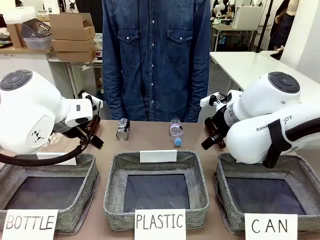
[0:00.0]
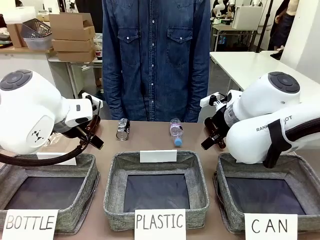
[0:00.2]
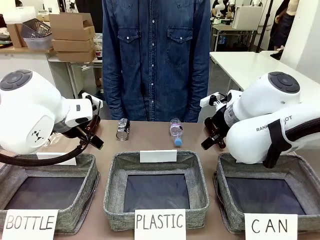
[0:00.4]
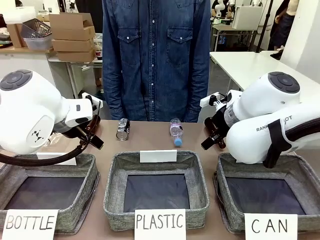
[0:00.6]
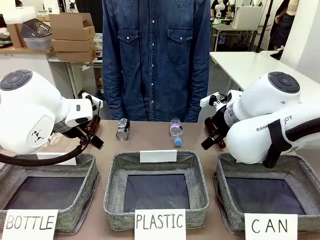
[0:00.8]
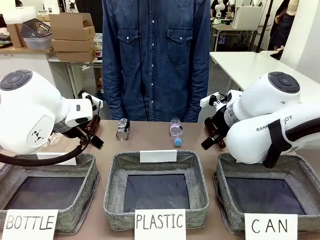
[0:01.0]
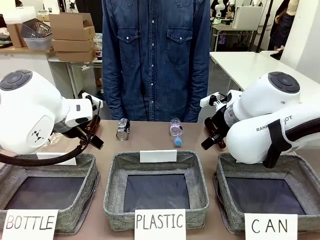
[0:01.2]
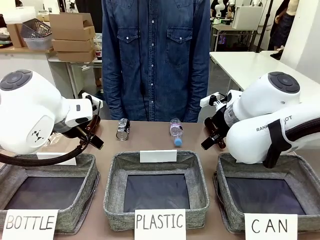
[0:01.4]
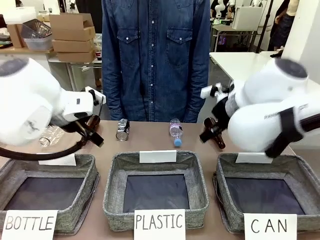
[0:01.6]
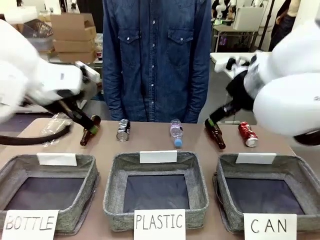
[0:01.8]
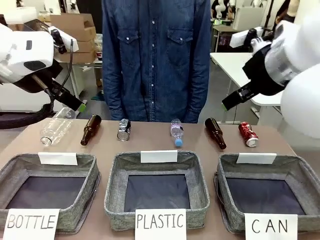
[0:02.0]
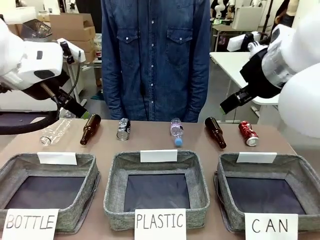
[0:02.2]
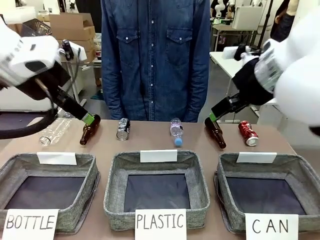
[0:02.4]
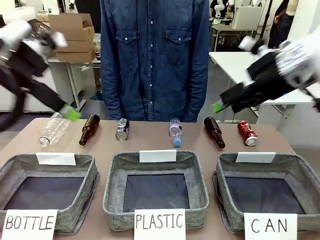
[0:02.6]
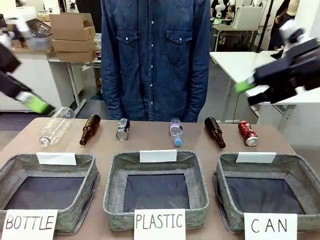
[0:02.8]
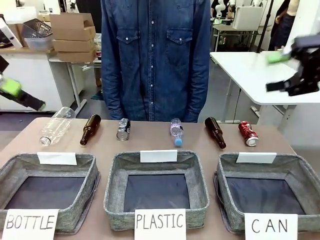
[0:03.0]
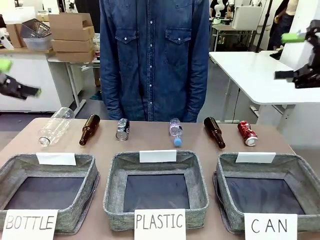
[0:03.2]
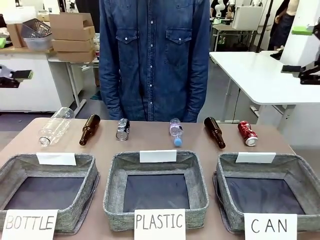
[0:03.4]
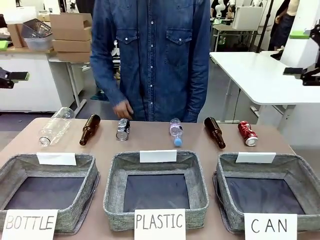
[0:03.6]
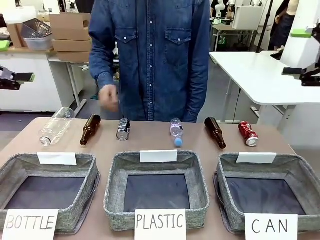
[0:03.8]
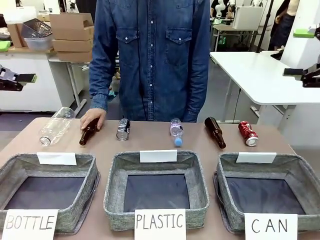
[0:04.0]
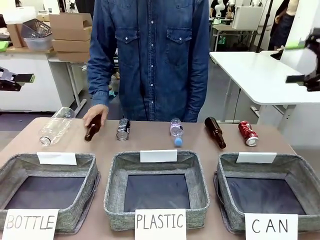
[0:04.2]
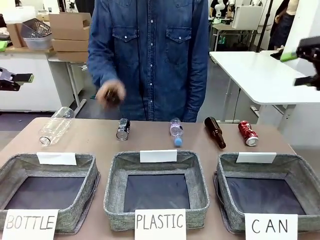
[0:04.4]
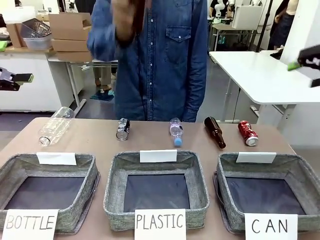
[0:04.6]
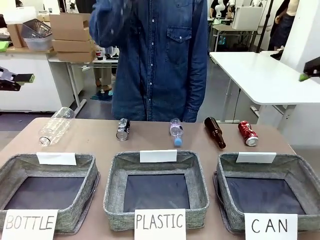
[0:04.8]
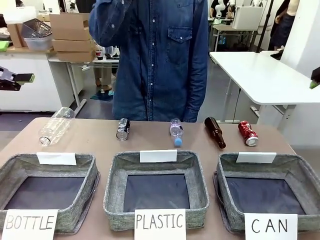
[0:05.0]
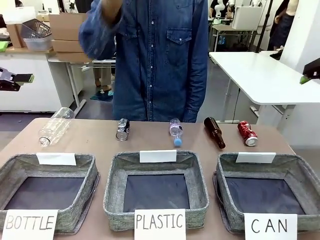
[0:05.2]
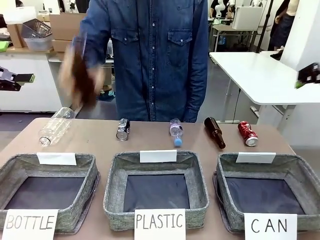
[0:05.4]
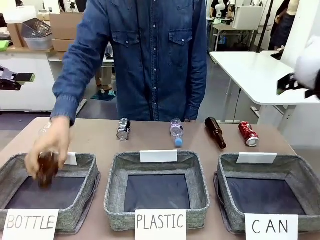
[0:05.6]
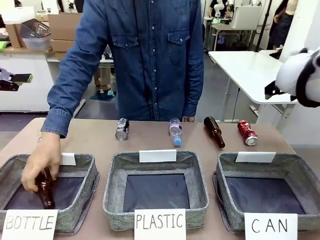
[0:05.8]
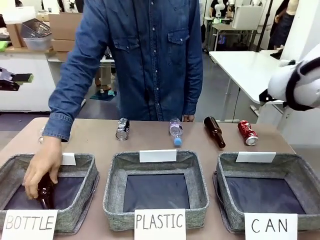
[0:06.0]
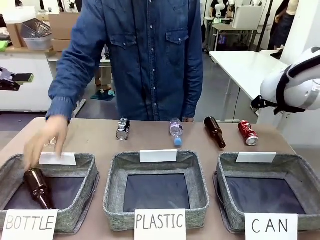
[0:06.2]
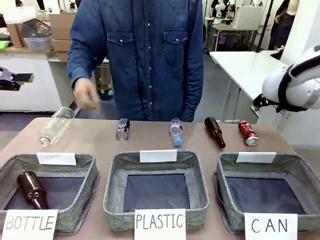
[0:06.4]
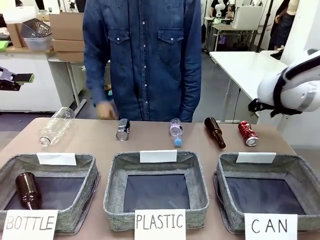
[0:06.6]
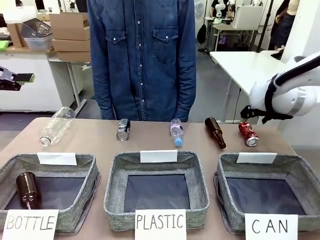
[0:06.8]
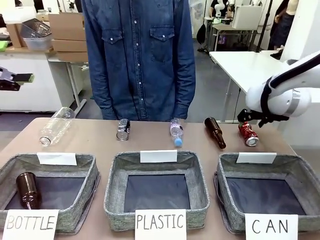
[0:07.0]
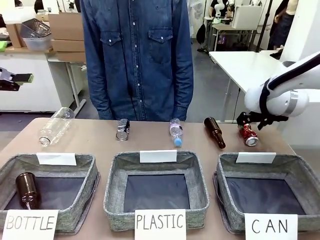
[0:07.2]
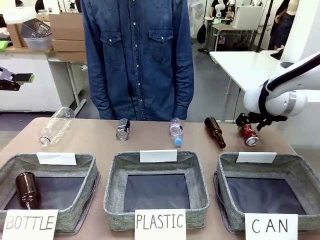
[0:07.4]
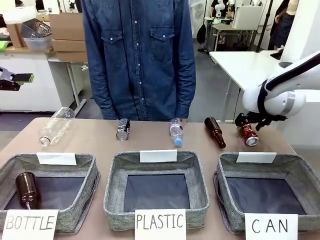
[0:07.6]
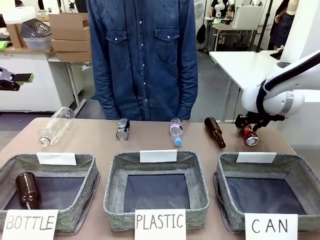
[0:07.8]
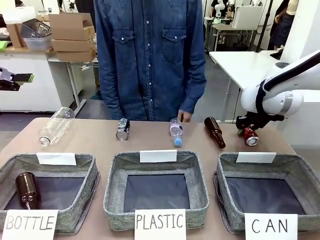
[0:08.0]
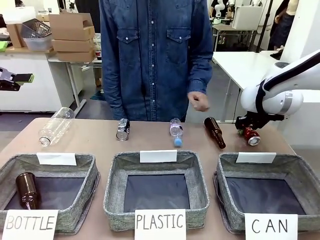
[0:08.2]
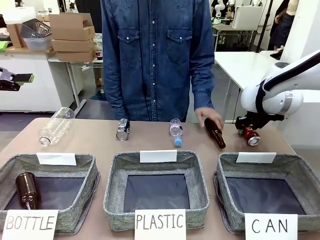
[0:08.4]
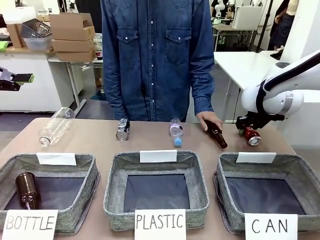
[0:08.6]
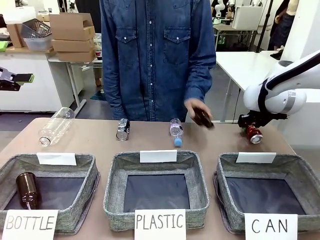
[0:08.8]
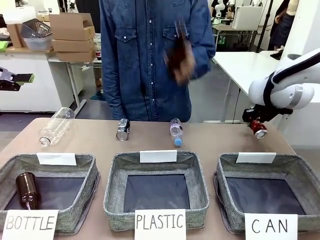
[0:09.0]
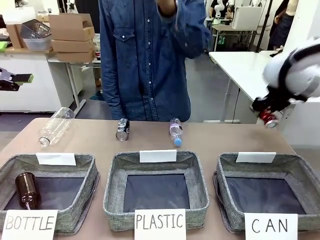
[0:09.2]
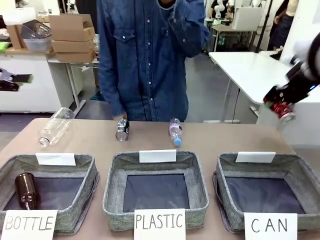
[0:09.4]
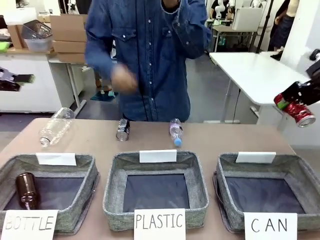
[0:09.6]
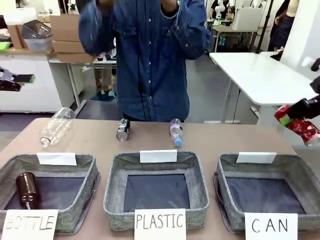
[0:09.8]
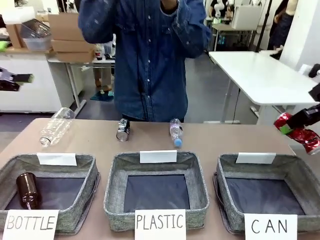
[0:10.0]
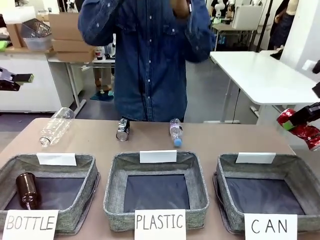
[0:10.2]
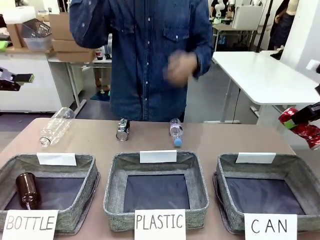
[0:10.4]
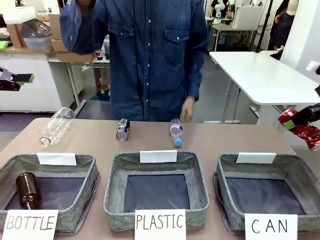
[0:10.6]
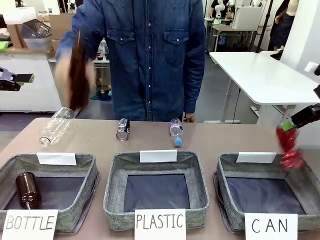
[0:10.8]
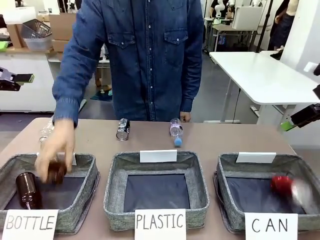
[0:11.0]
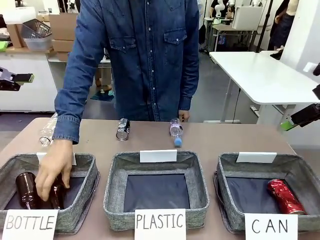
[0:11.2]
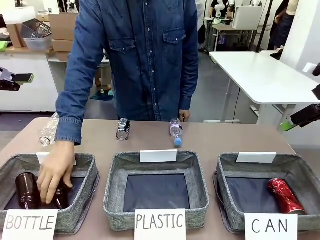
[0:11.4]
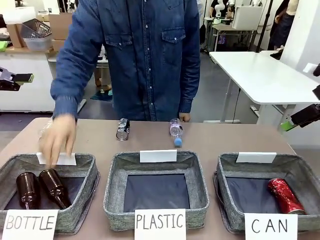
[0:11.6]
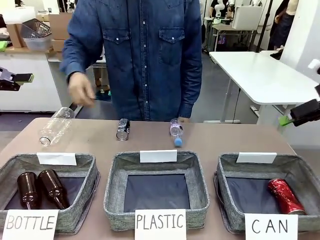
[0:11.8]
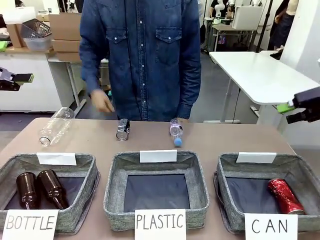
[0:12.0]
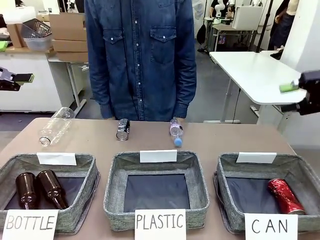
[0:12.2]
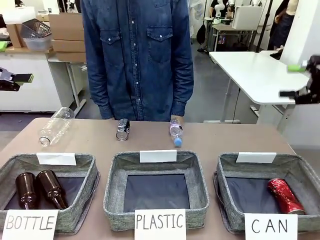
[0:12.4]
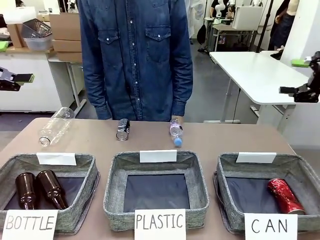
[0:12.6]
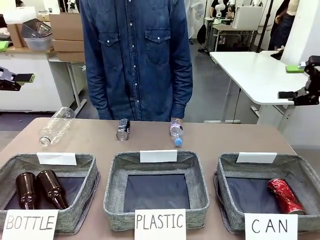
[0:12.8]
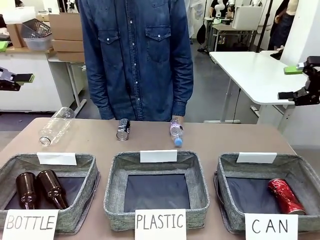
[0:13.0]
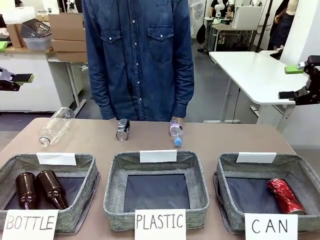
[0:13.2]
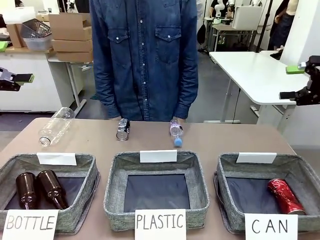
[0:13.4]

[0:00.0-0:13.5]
Task: Sort the can waste into the basket.
Robot: Pick up the can waste from the table and place it in the right Fabric basket.
